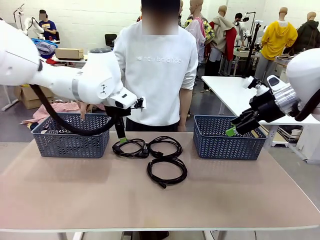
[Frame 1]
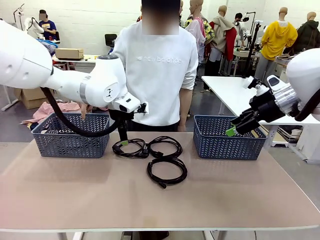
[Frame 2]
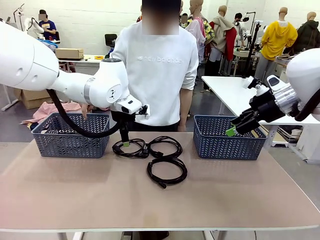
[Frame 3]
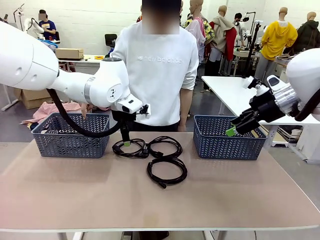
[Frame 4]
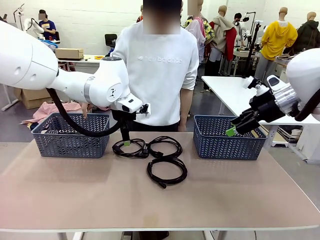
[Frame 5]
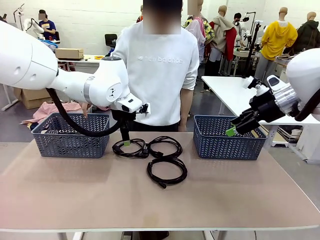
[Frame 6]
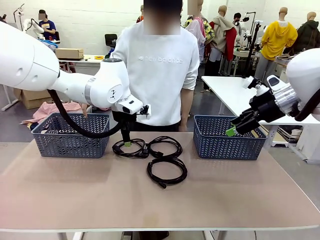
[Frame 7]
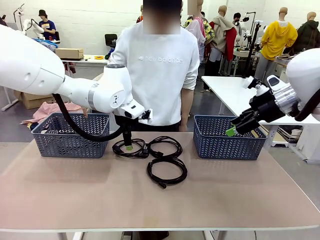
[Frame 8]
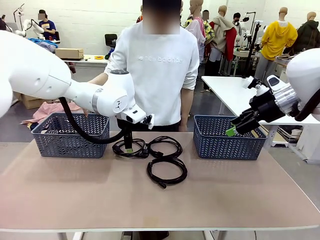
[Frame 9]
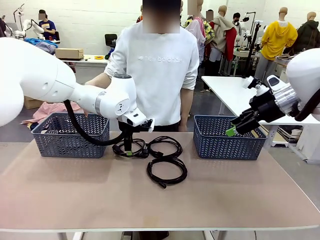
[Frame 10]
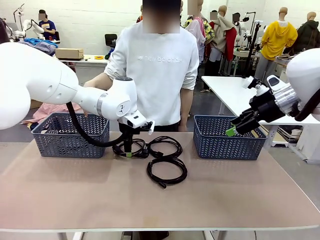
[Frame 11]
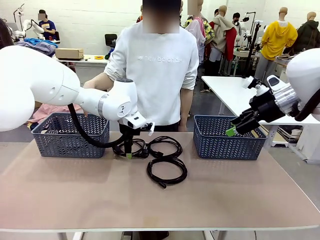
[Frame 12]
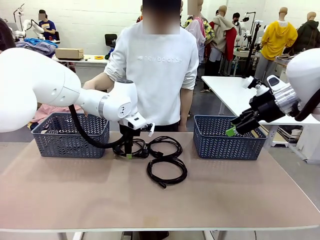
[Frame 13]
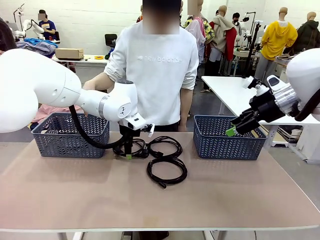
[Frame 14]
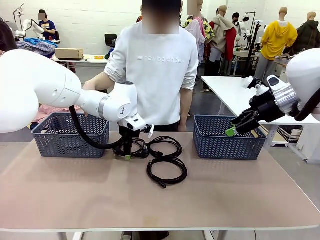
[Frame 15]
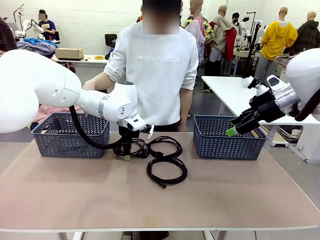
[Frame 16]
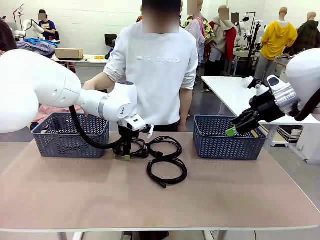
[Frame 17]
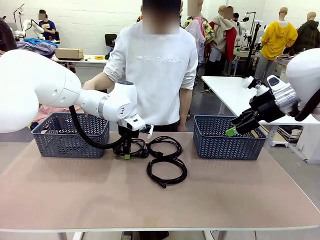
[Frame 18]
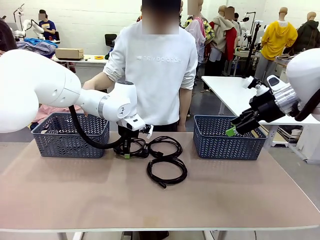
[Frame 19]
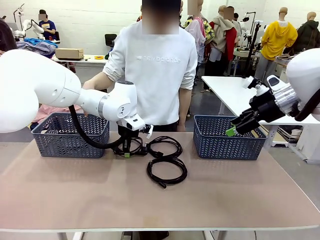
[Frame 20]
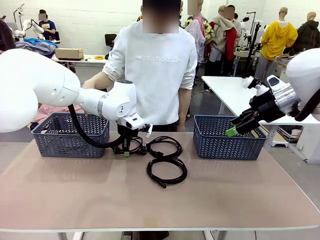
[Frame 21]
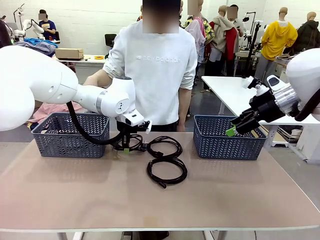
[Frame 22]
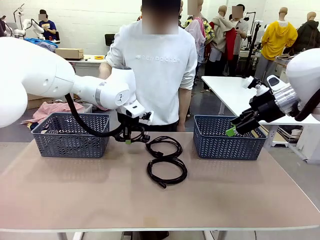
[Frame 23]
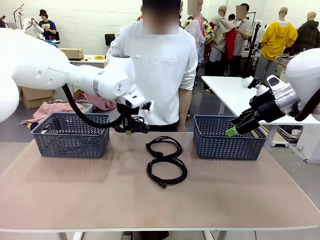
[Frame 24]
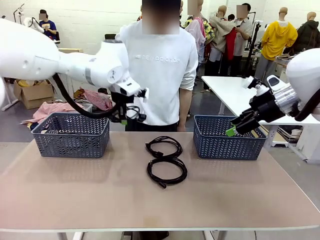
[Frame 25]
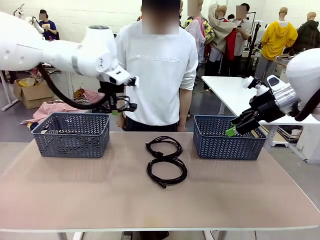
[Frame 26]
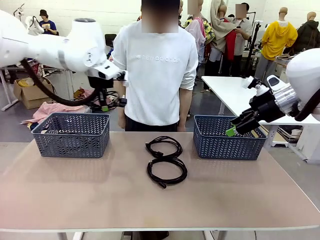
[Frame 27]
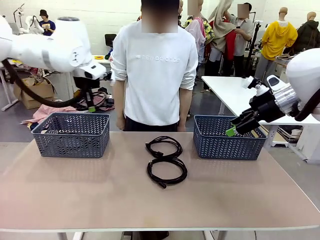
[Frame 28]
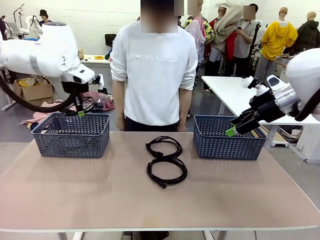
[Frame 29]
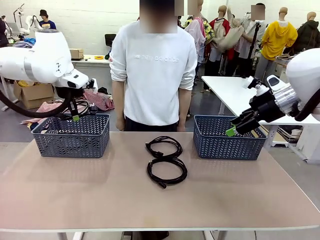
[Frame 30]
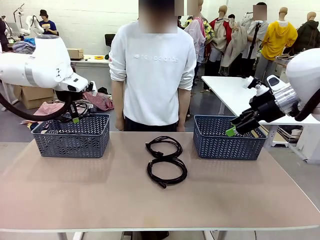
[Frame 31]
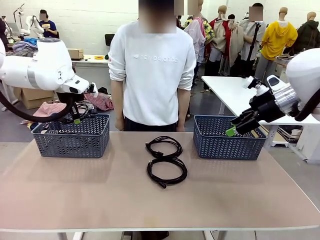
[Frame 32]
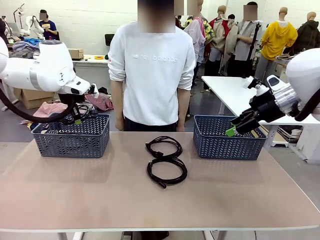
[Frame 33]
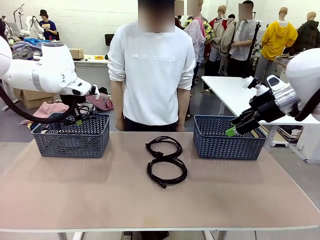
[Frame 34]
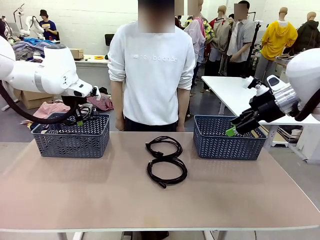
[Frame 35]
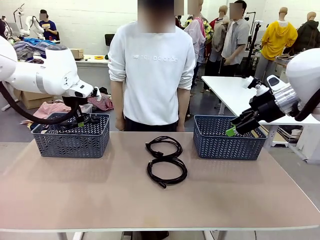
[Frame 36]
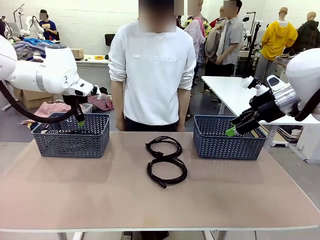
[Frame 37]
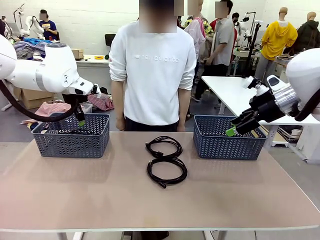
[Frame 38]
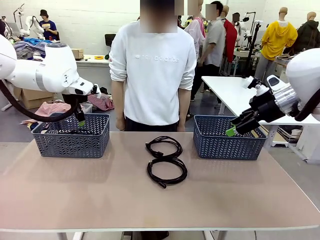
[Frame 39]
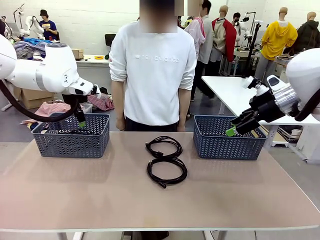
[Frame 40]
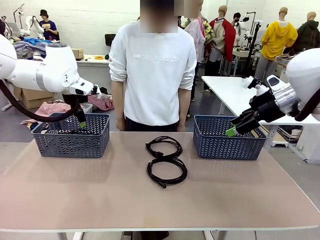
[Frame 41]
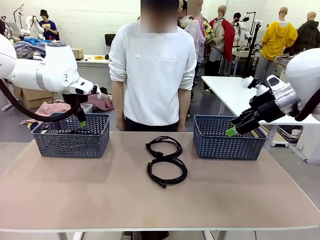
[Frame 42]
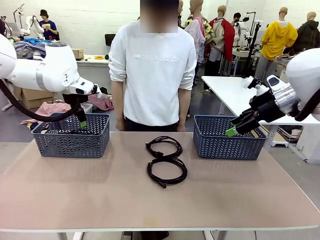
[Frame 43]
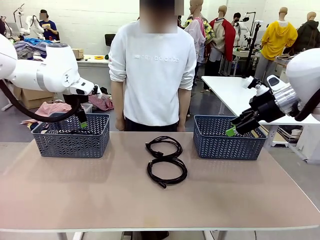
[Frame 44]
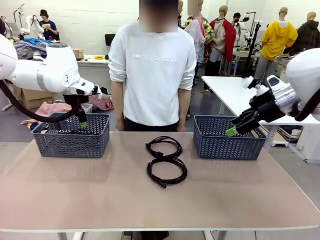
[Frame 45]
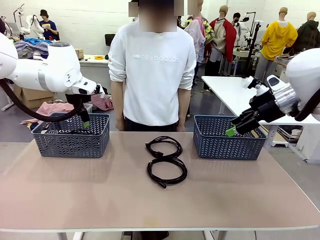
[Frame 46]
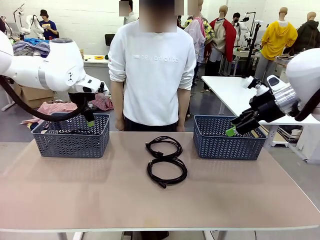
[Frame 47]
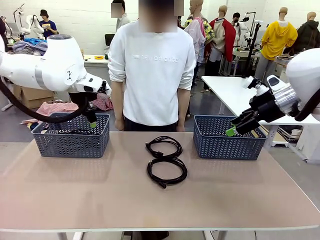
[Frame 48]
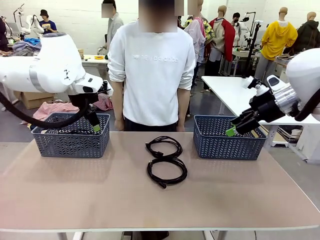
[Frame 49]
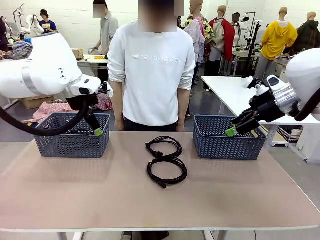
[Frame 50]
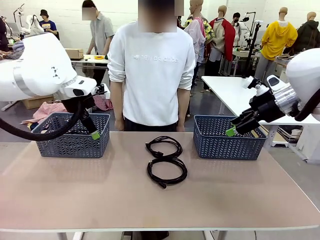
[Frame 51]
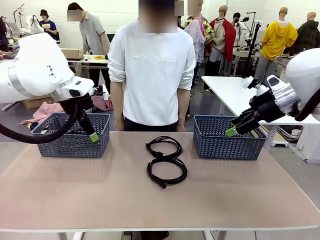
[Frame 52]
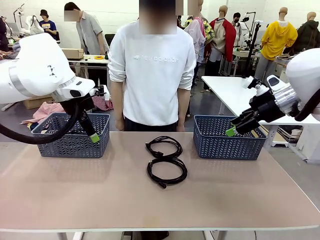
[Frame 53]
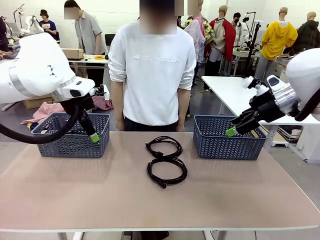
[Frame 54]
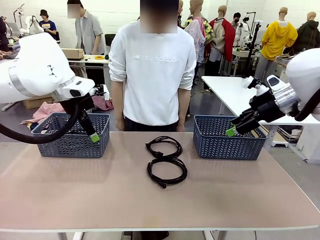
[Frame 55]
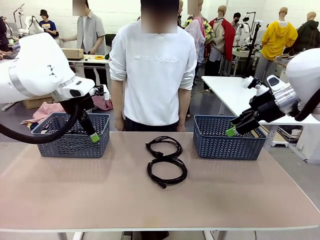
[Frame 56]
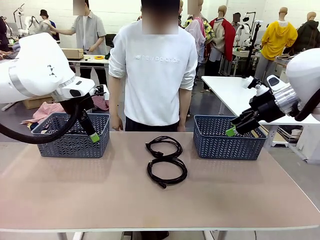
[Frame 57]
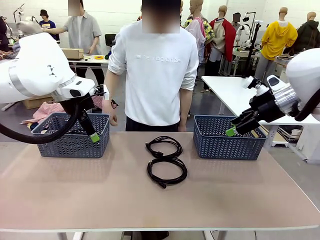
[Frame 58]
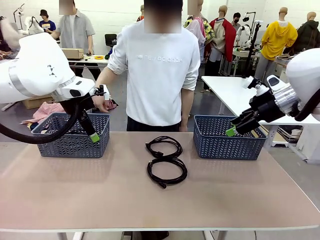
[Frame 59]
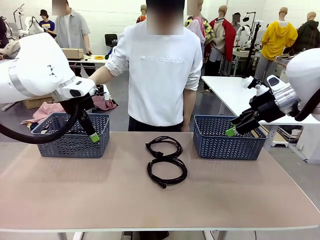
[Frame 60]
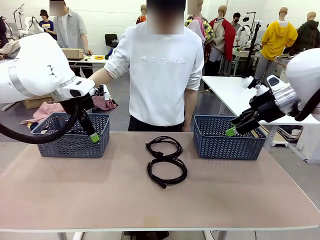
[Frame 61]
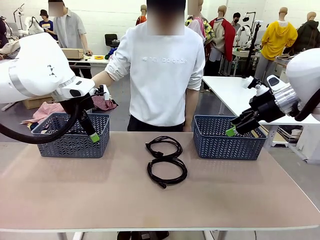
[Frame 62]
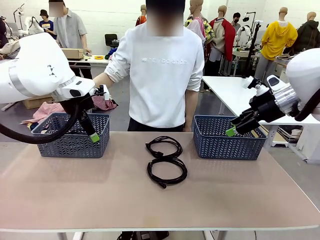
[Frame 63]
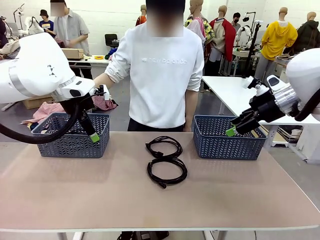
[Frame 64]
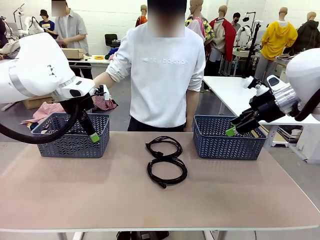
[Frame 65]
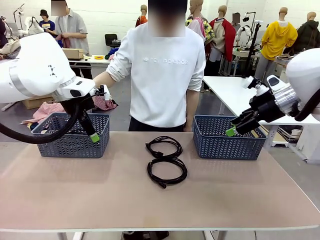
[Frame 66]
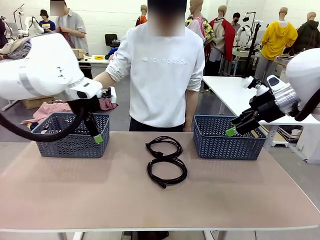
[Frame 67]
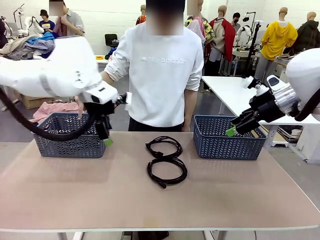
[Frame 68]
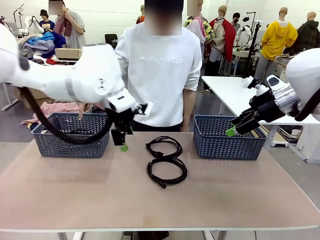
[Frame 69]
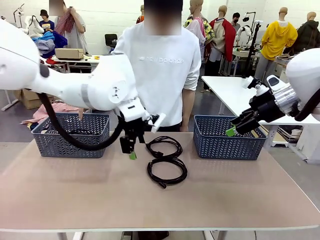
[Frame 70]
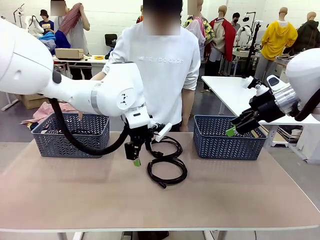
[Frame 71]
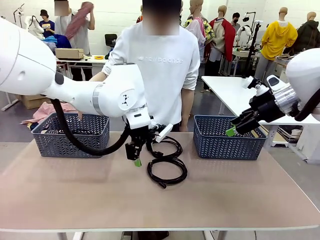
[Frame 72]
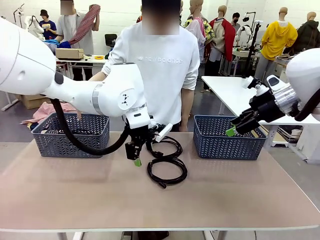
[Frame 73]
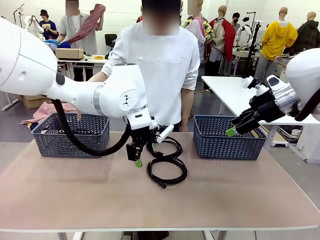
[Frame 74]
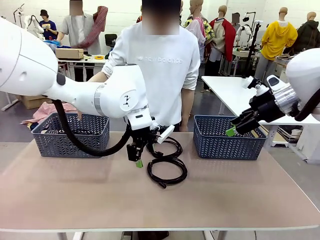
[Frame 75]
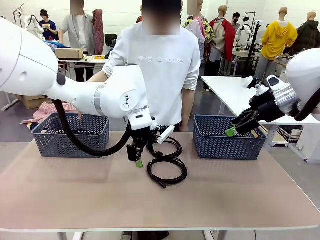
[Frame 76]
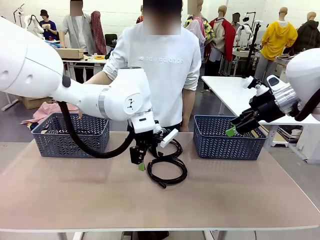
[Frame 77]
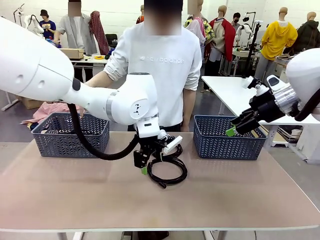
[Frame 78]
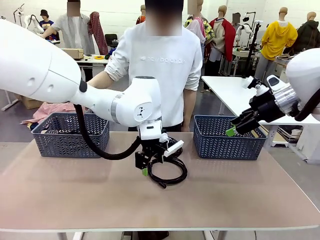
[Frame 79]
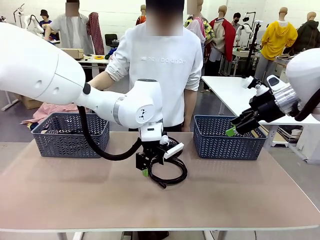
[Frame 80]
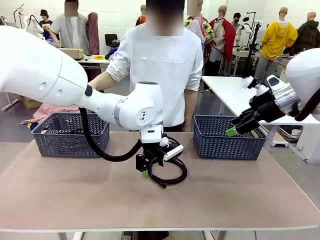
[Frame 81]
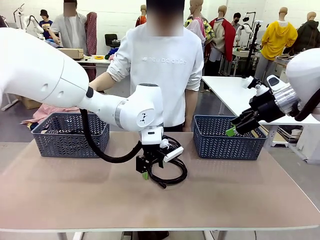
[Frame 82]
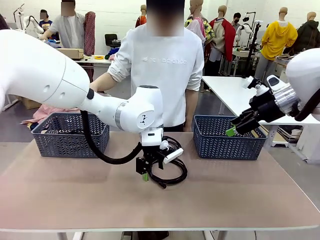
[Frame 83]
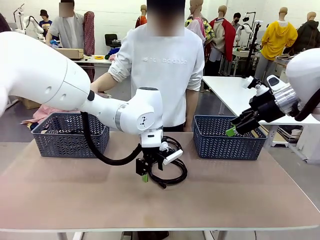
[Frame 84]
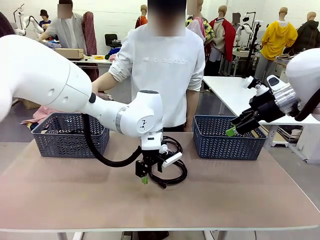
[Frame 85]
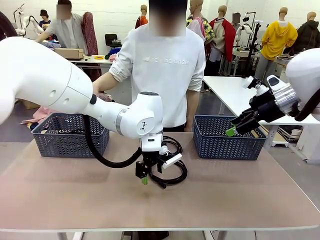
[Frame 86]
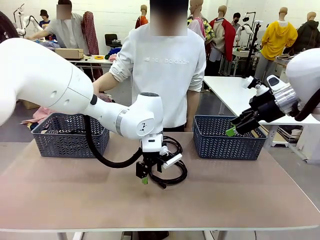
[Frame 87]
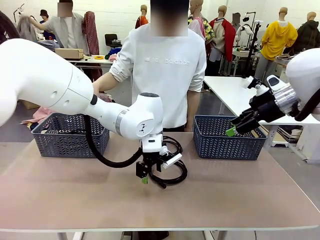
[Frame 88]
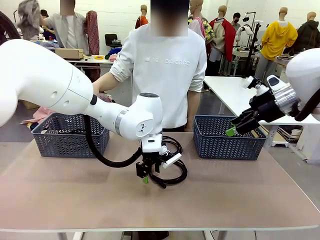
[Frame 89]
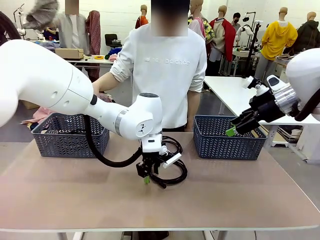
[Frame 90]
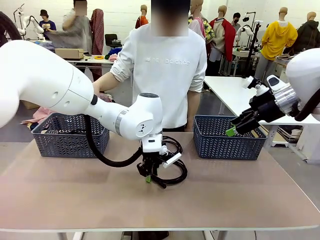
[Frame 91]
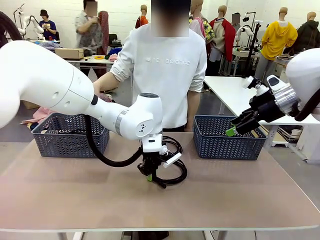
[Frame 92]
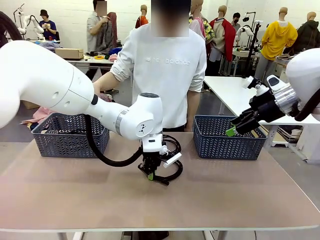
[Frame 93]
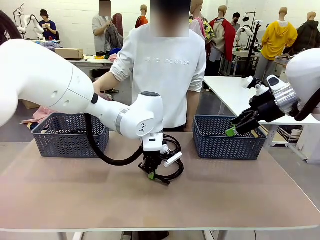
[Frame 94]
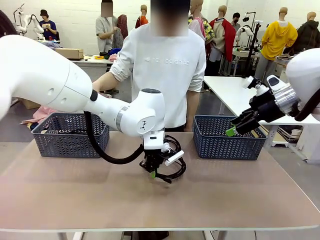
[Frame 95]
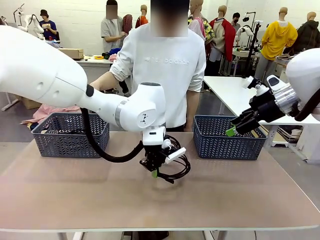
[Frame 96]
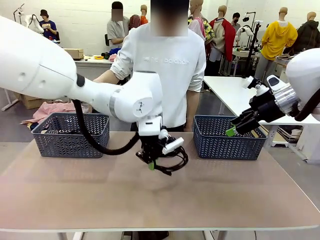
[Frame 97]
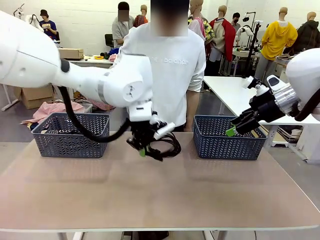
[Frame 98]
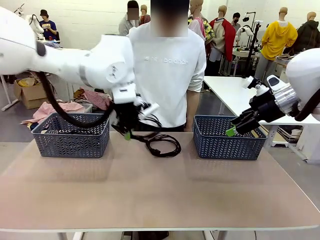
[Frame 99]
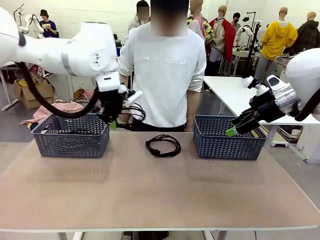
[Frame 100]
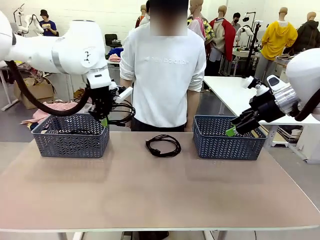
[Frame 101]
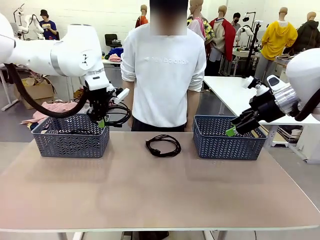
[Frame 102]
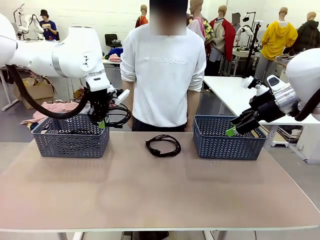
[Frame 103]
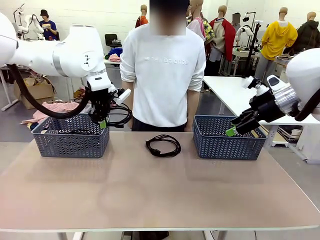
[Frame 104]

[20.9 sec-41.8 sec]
Task: Organize the cables according to human instructions.
Robot: Pick up a bundle of cables and place it in the basket indicated by the human.
